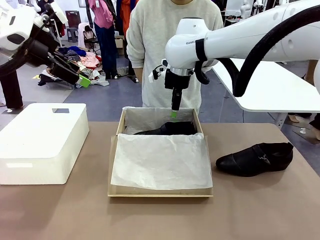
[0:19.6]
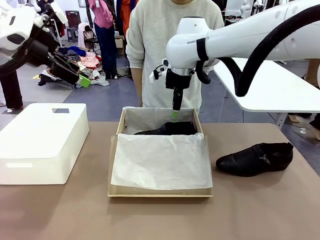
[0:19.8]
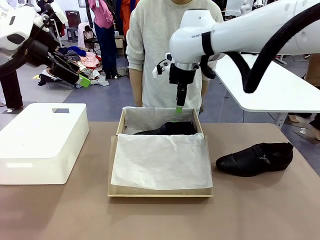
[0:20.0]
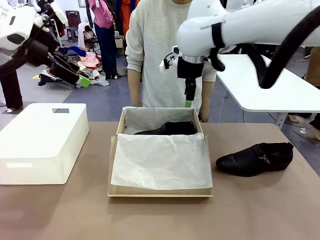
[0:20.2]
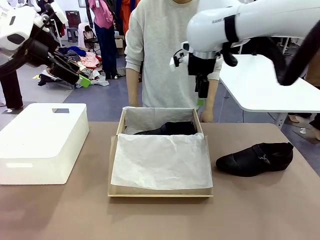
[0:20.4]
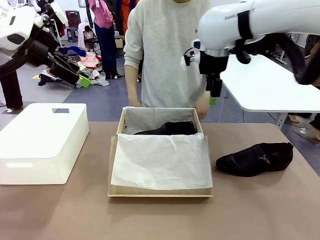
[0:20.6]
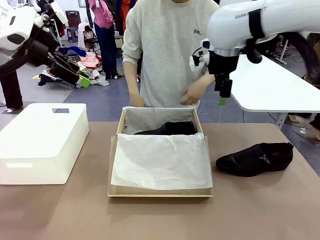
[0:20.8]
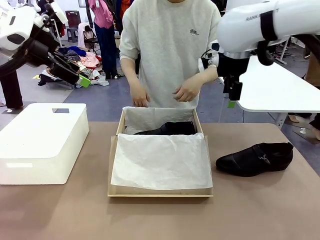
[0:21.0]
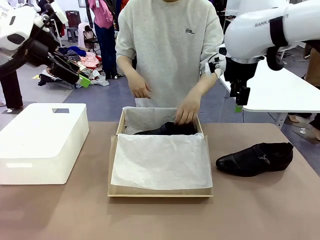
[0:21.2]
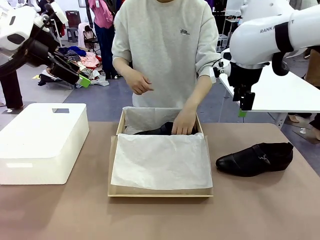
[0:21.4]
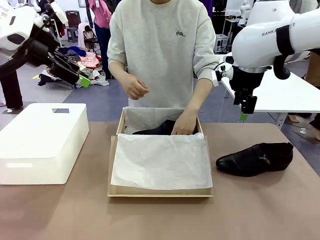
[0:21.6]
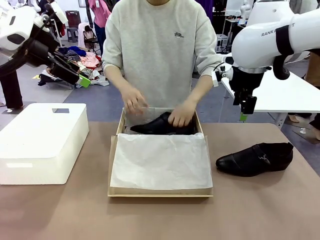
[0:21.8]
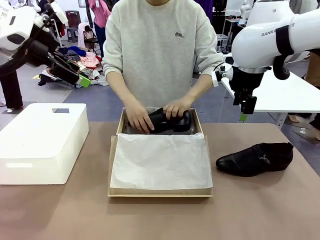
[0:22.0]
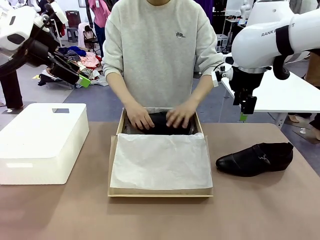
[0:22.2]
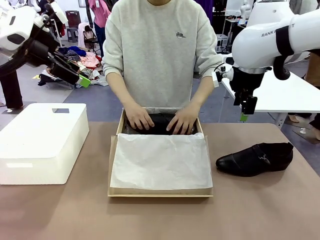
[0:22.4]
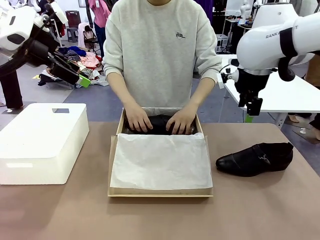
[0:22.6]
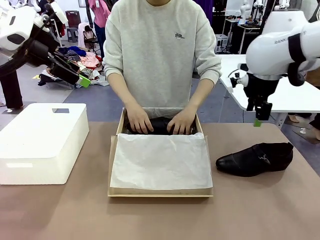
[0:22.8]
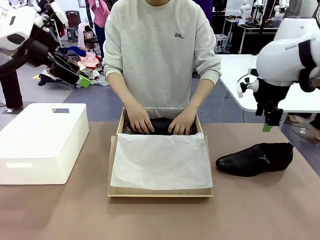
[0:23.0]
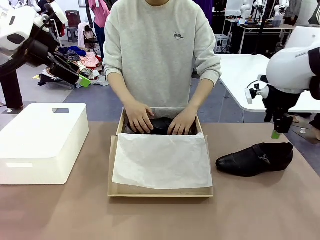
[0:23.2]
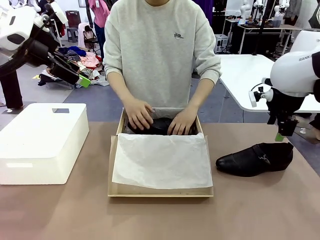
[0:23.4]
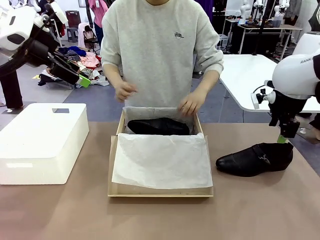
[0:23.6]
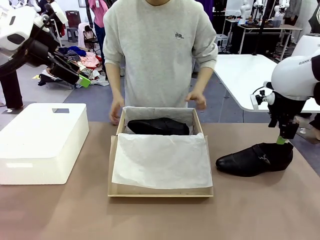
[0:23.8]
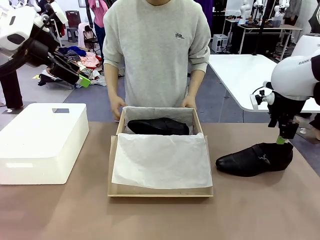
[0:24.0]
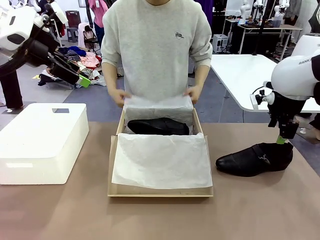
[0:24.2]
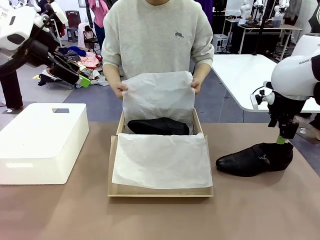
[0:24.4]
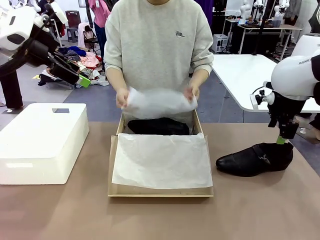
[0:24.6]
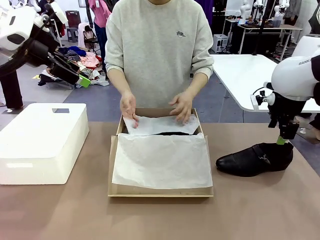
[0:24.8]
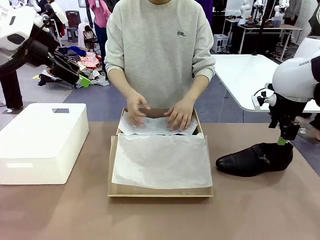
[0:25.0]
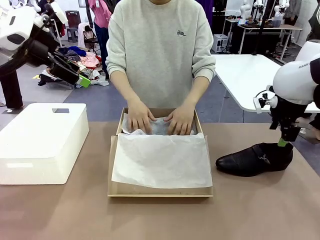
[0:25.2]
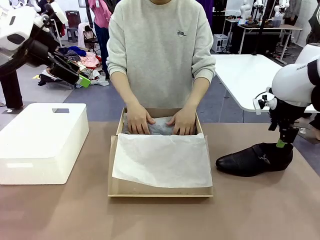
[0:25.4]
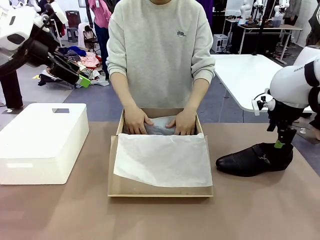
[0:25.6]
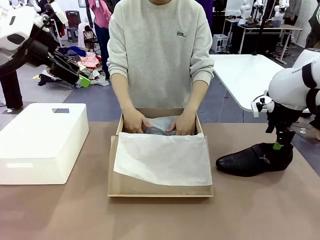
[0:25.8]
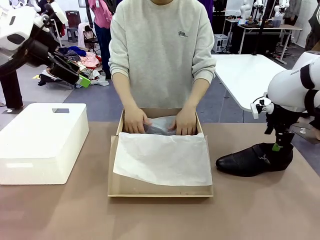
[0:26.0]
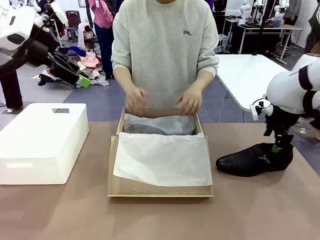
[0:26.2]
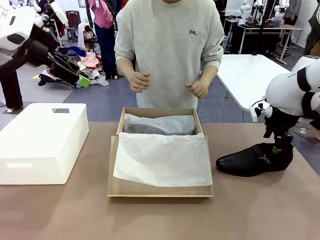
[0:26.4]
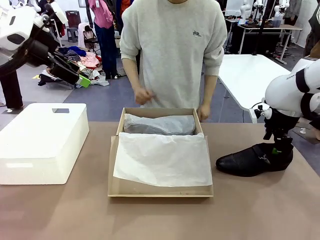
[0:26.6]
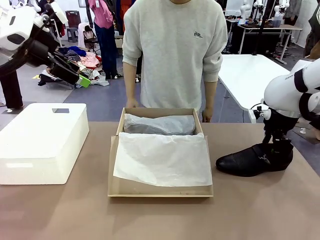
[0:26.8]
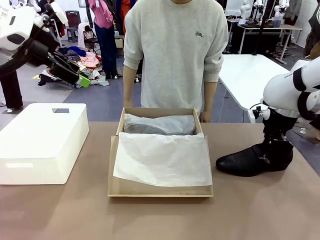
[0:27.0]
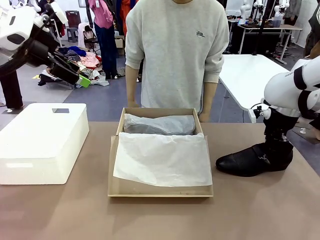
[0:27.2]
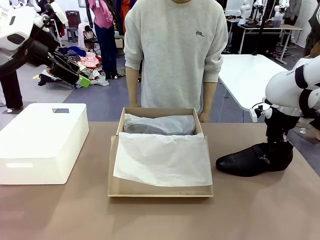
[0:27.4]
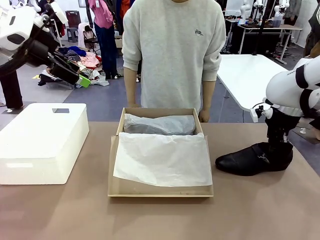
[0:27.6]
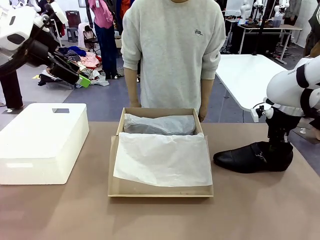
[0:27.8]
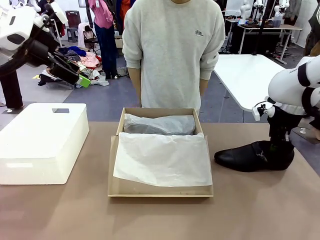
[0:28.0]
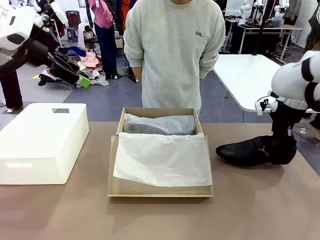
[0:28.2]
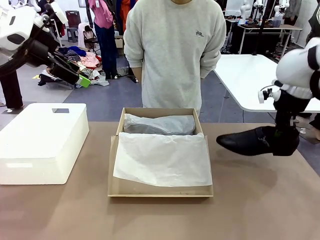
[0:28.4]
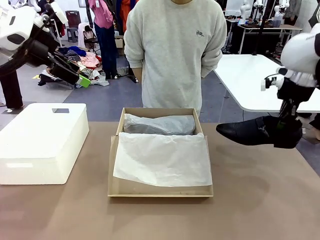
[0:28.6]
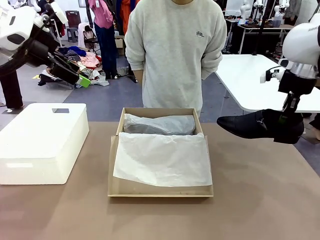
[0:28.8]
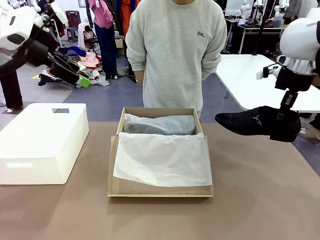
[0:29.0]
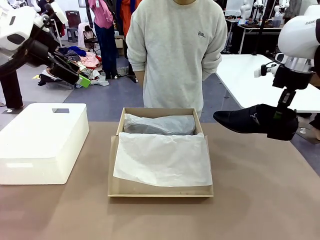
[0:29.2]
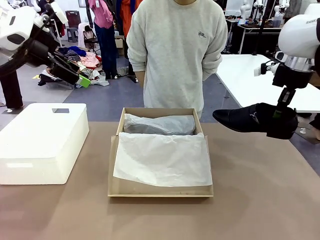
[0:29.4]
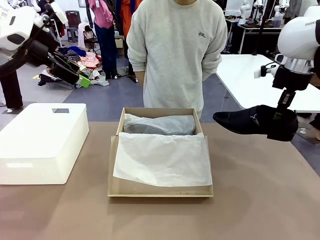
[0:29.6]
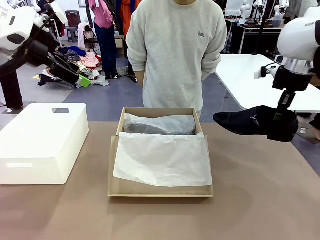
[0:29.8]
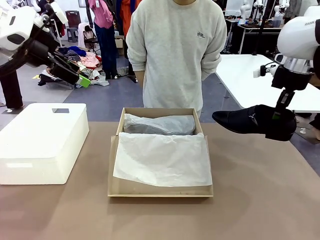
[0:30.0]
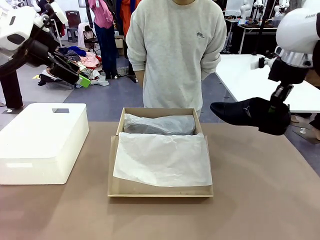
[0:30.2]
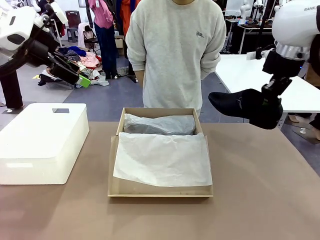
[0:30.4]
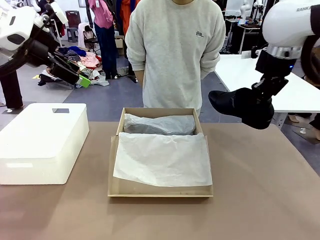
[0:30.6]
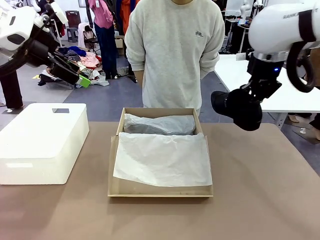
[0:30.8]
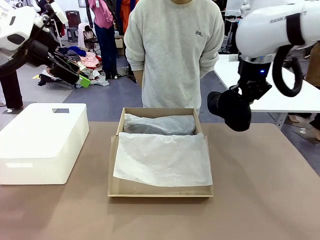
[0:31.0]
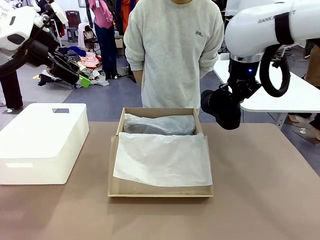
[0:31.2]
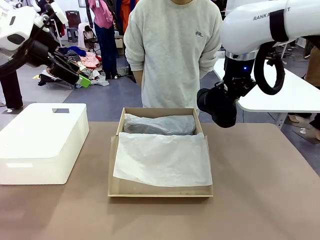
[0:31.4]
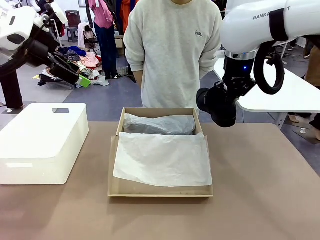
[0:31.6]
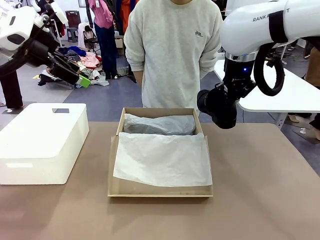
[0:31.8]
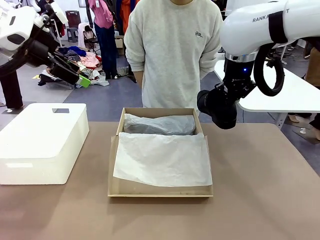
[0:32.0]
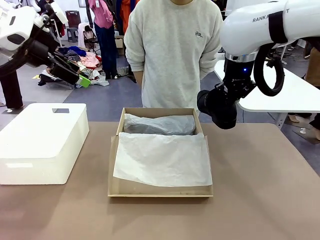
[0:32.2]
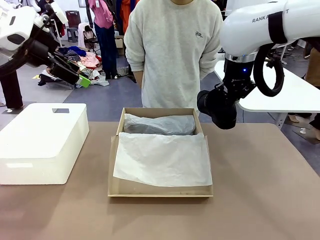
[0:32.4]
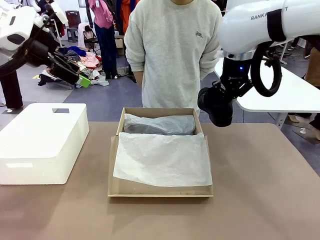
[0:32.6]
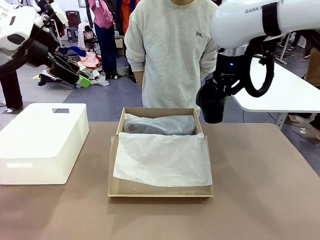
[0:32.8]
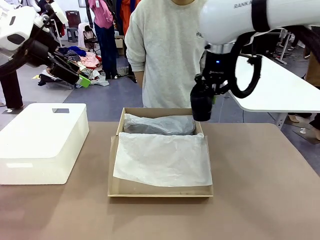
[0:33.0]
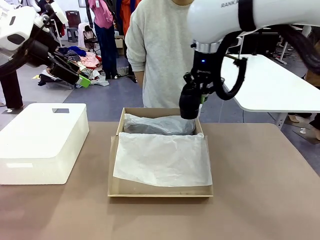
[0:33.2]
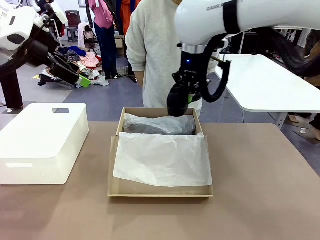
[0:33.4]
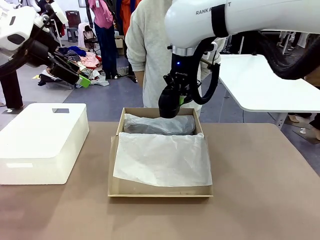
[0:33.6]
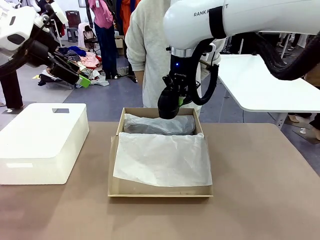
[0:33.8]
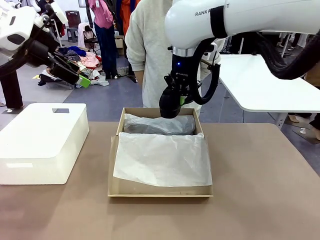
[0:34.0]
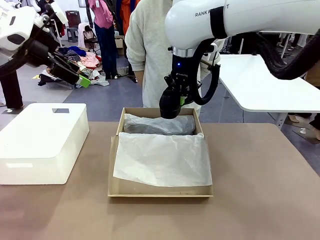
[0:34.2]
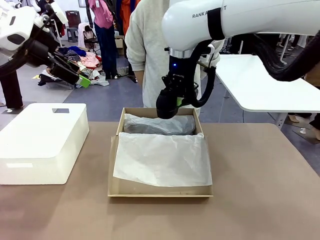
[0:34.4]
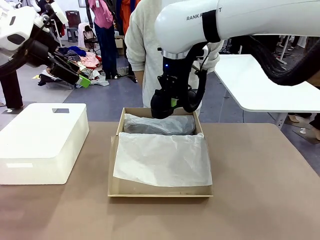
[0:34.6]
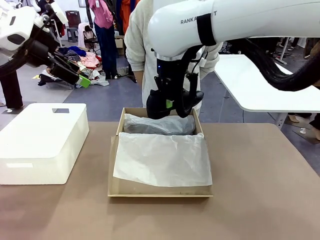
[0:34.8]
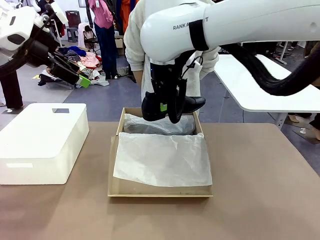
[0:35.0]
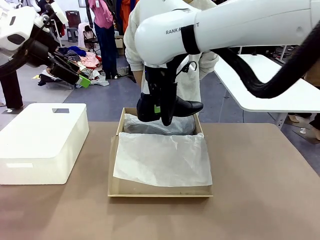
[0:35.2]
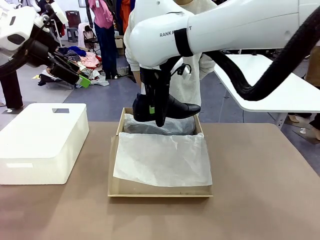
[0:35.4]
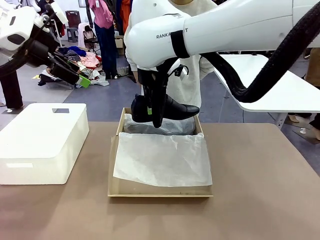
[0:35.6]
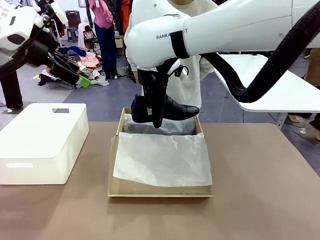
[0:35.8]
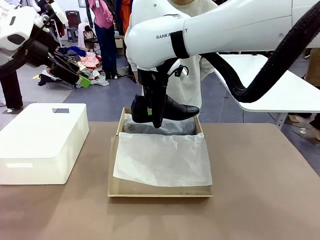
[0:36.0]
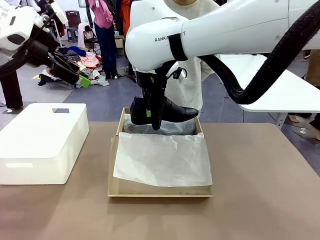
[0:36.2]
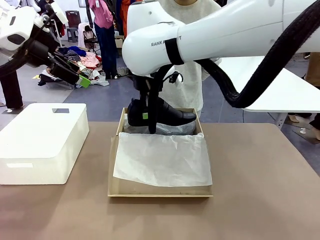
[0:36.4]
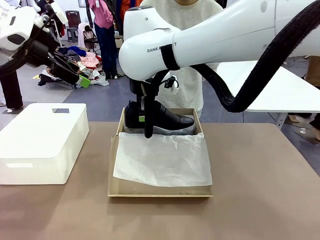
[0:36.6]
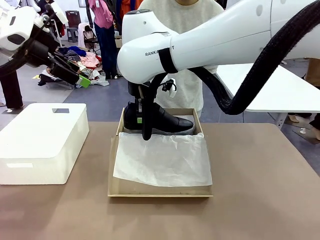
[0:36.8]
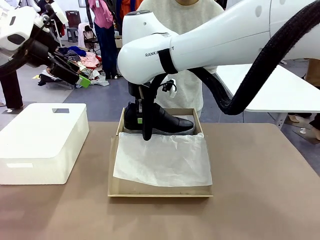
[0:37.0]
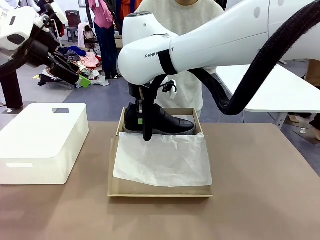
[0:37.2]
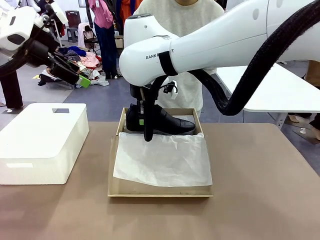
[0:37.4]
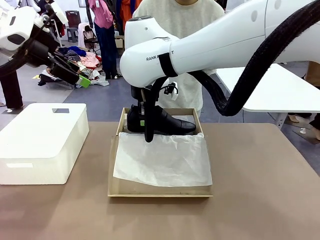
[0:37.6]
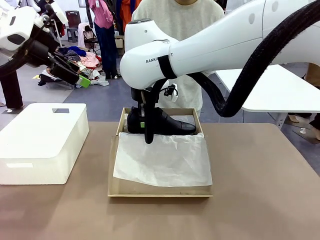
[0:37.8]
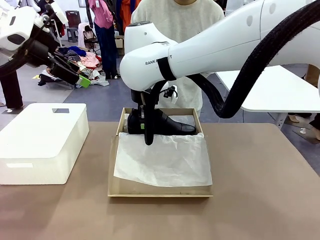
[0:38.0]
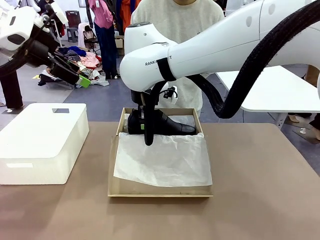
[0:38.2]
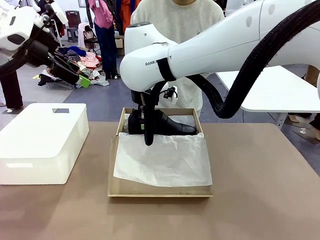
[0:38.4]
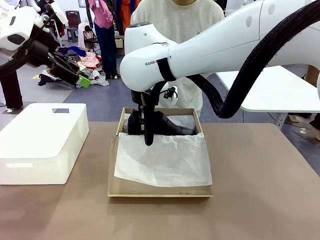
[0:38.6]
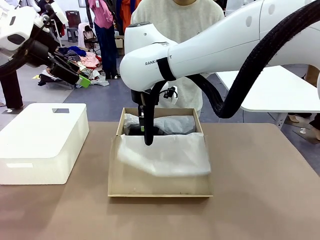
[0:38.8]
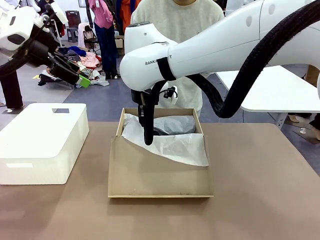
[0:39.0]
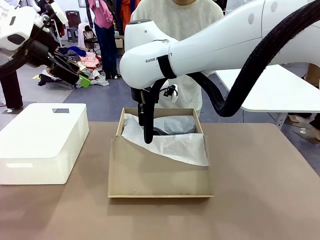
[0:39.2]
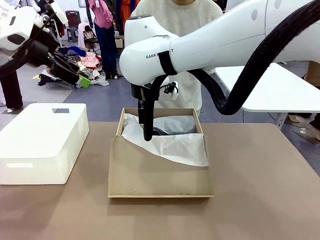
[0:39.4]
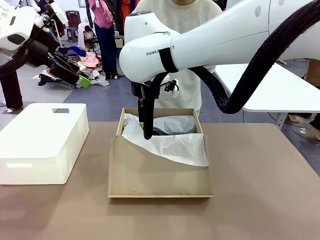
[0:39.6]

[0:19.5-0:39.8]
Task: Pack the shoes into the box.
Robot: Place the other shoe of the Shoes into the Shoes Box.
Person: Pack a shoe of Shoes inside the Shoes Box with Shoes Wrapping Paper.
